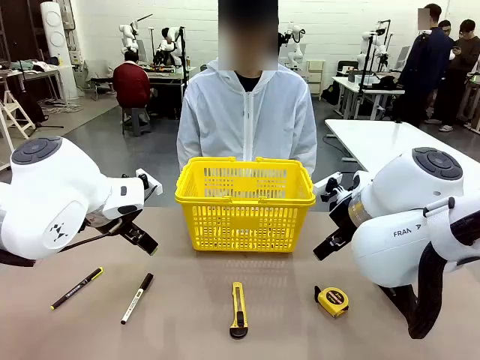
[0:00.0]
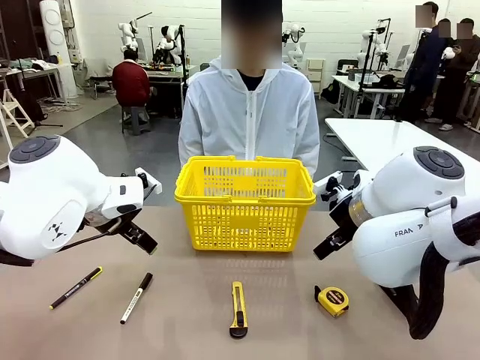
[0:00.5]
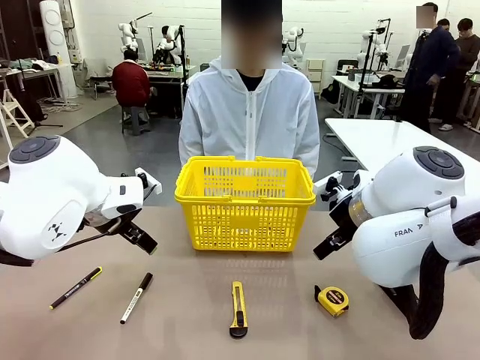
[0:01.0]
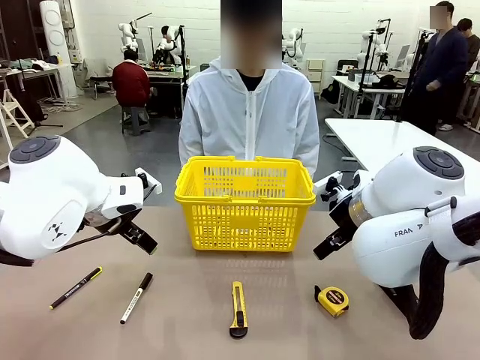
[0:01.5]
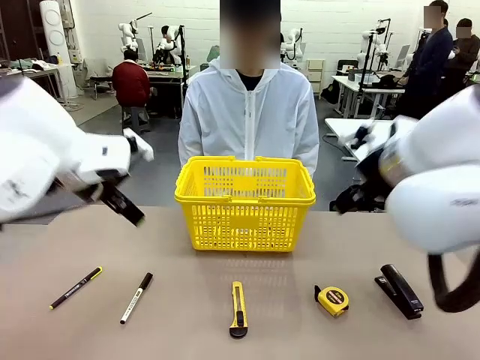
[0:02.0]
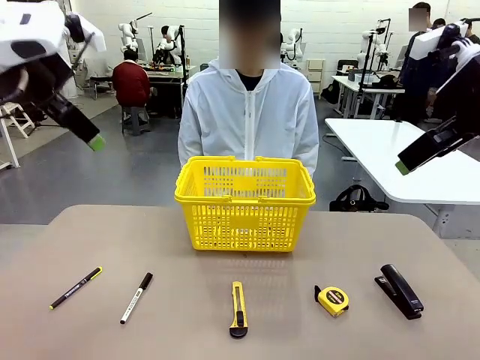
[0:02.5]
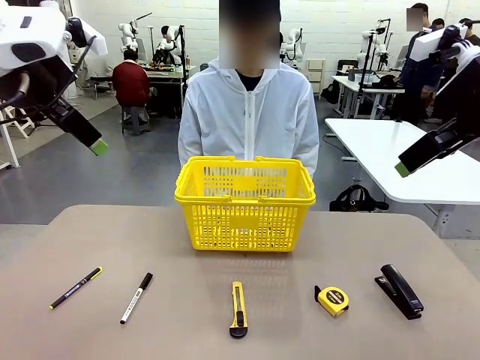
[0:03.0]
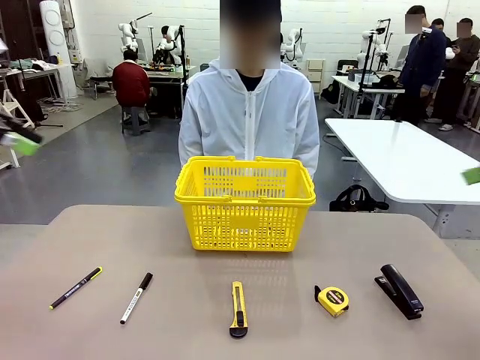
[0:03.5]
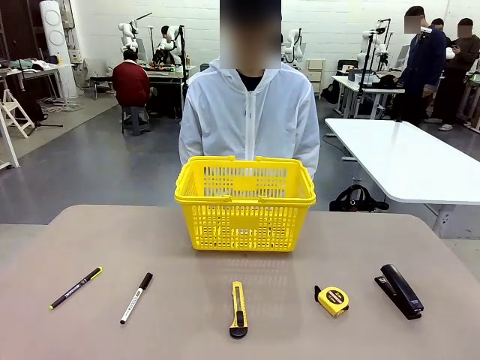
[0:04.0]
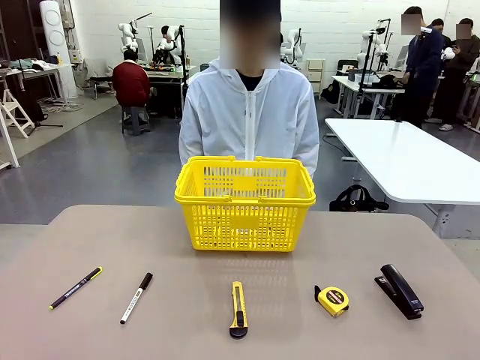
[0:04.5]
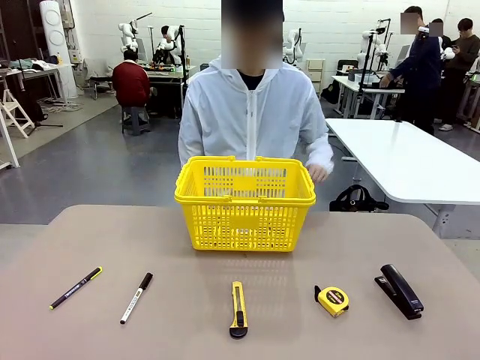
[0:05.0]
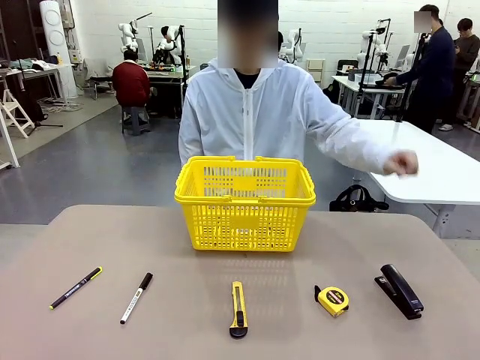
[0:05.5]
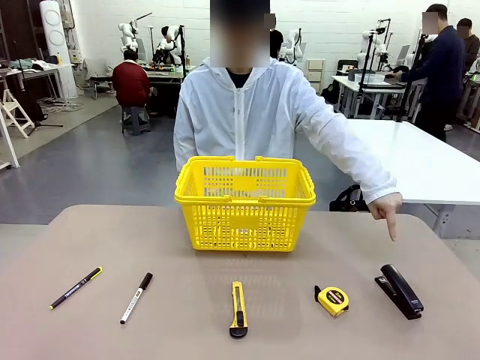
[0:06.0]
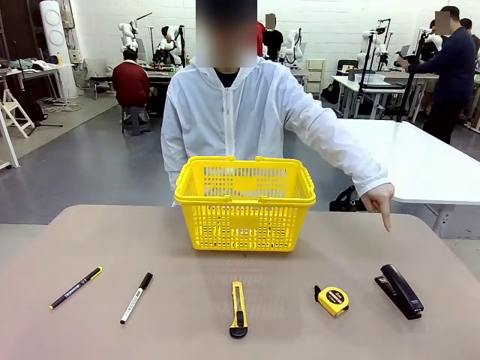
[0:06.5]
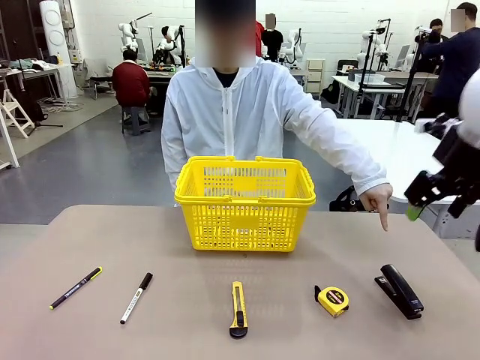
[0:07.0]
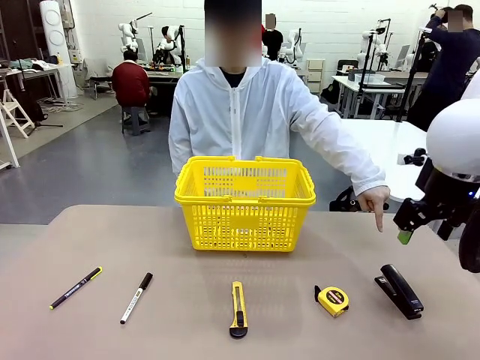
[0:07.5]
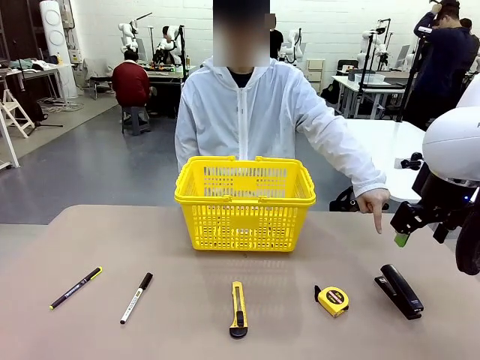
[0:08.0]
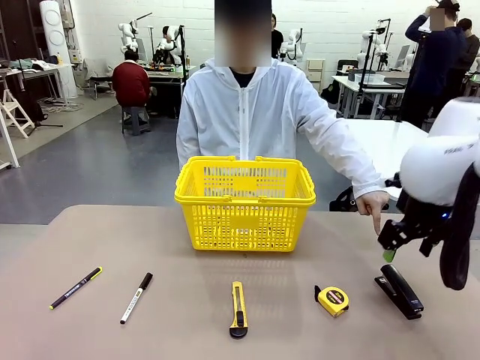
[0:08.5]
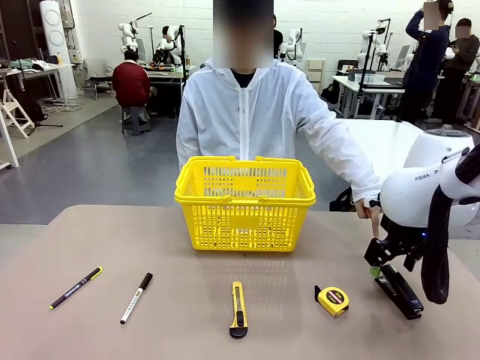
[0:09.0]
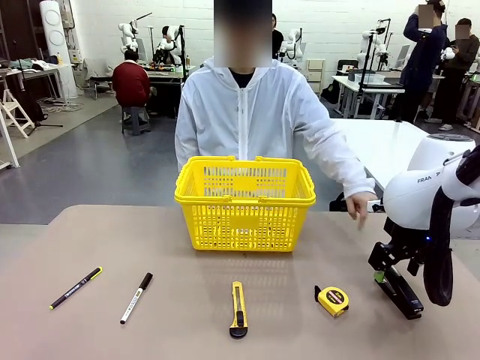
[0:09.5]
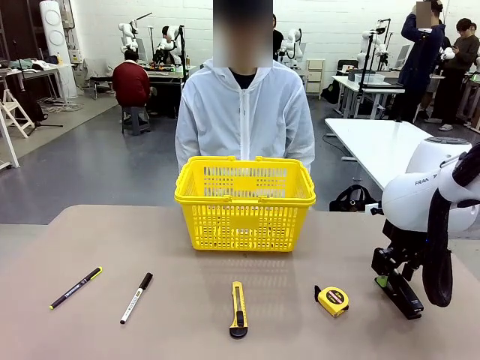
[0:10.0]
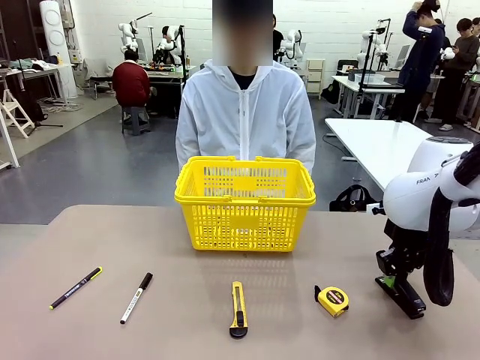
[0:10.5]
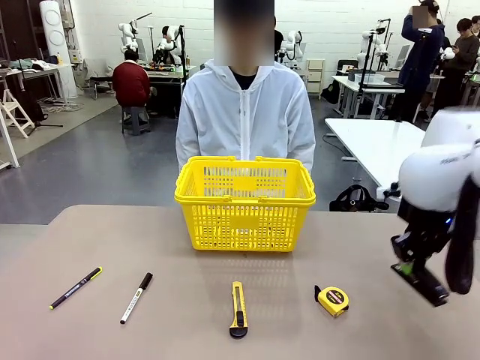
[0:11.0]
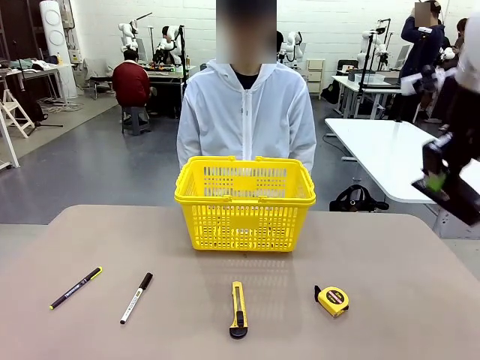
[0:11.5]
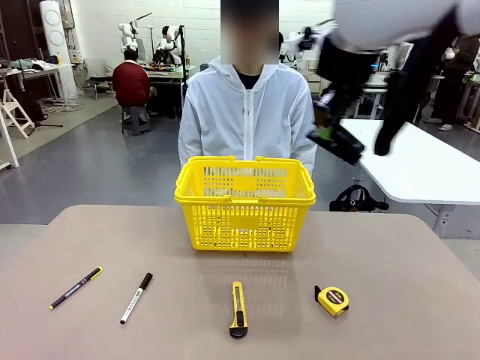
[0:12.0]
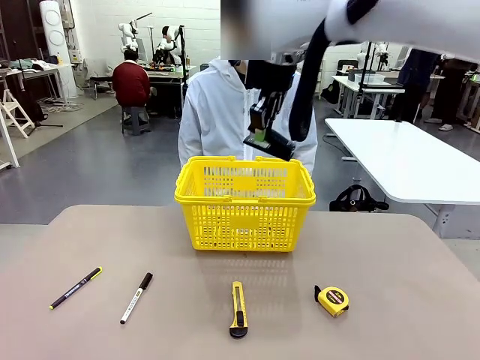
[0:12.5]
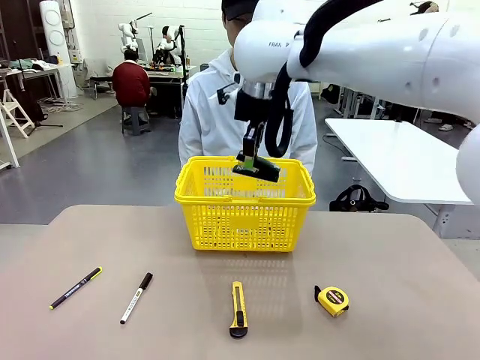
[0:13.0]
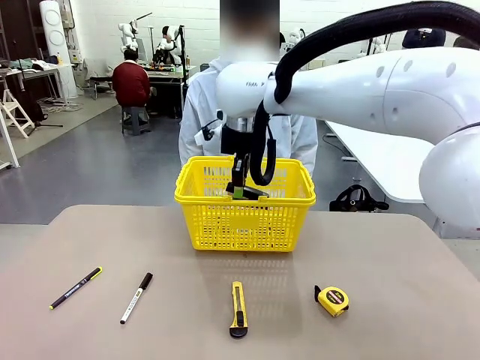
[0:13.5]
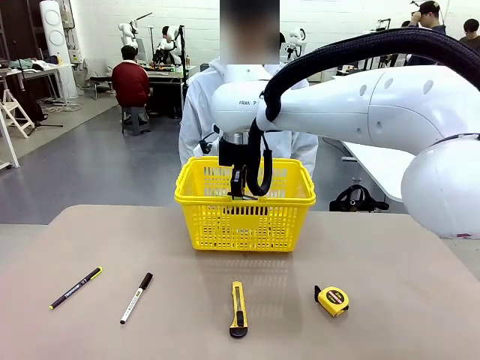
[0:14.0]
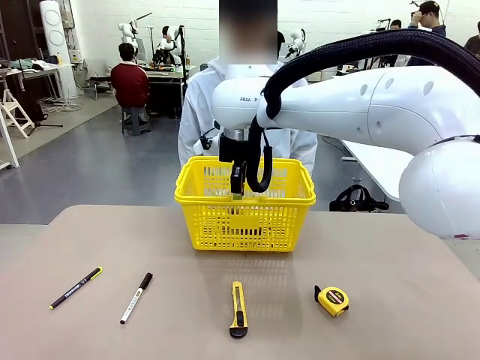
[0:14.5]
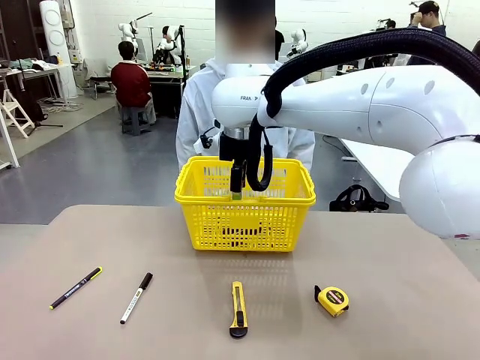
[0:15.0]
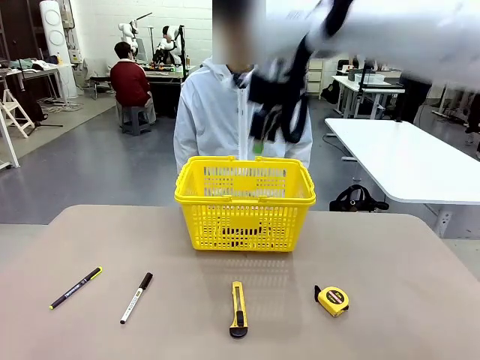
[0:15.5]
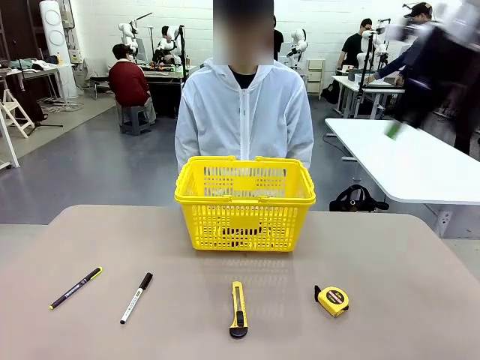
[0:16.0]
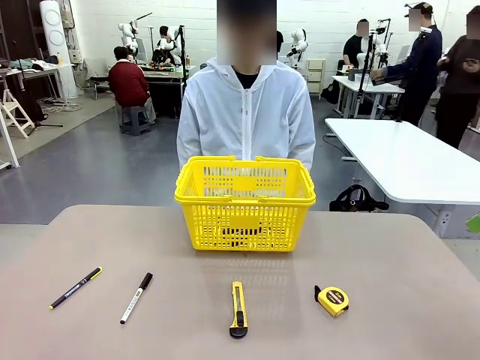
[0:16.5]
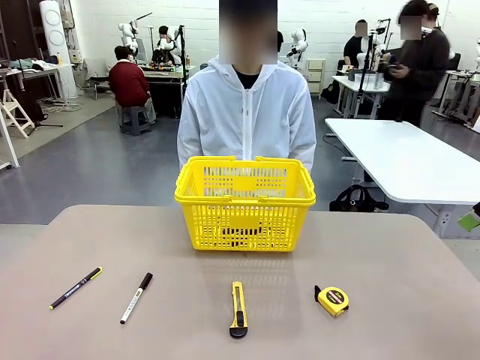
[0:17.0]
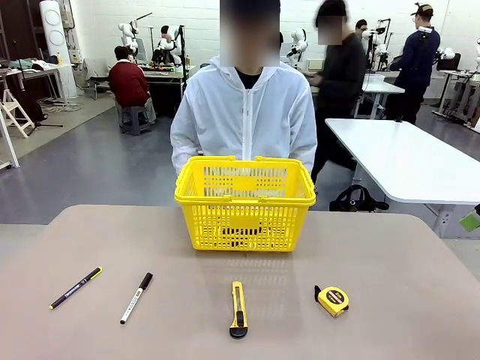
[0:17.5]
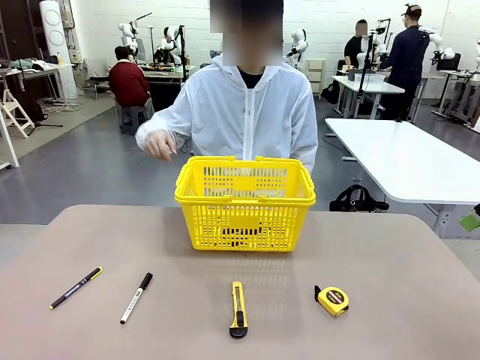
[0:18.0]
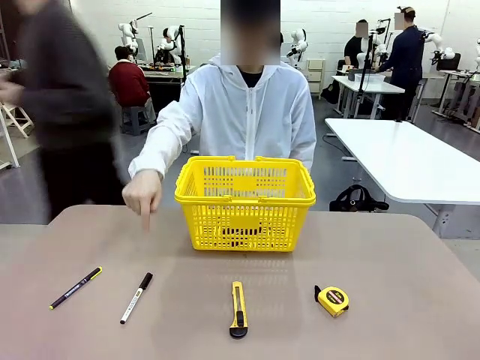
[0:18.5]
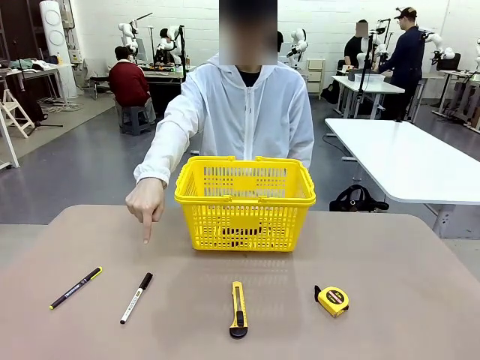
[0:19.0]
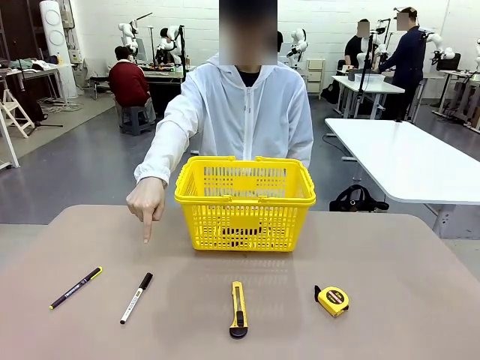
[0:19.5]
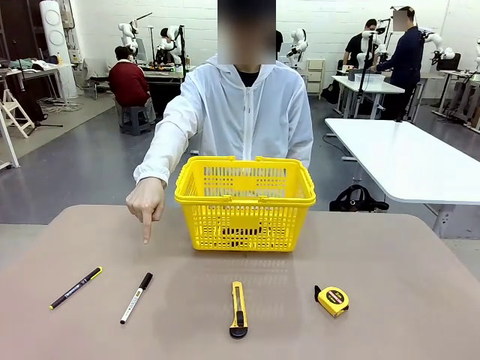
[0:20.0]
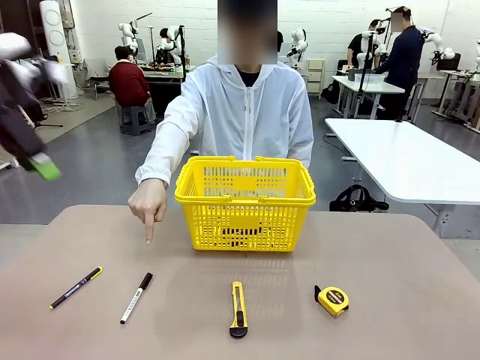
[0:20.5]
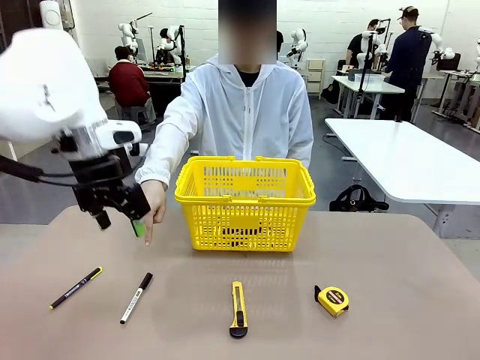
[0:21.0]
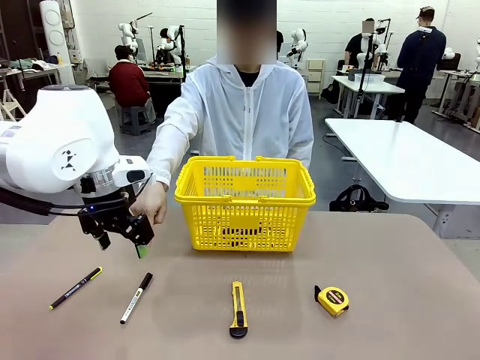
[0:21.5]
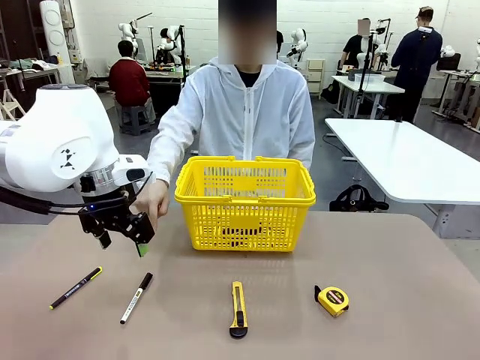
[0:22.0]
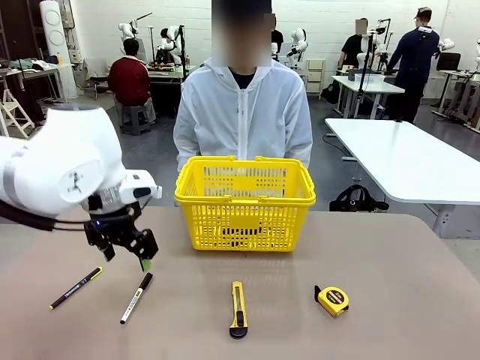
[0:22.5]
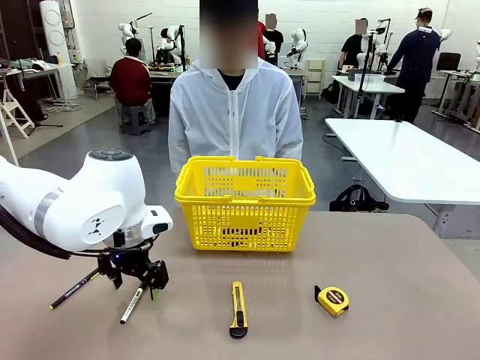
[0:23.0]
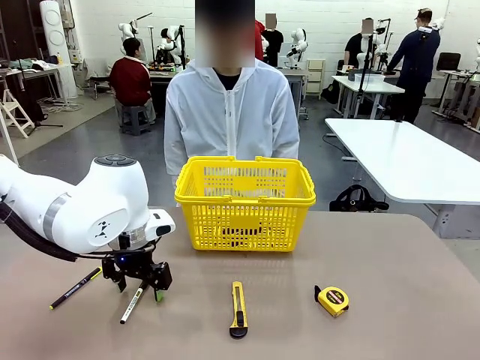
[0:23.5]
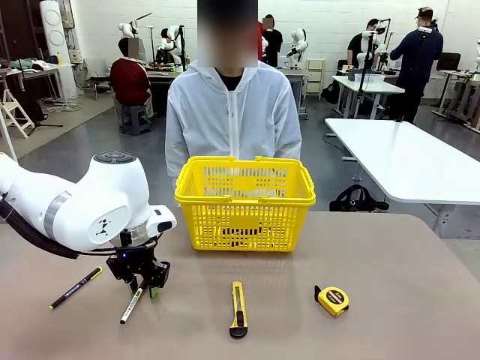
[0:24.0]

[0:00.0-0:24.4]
Task: Place the items the person wants into the basket.
Robot: Pick up the item the person points to and place it in the Market Basket.
